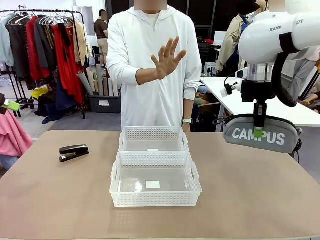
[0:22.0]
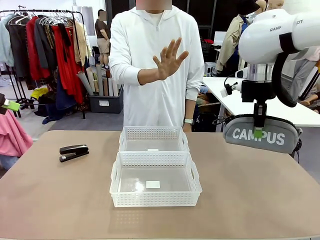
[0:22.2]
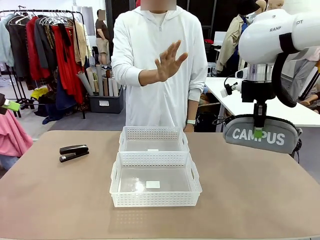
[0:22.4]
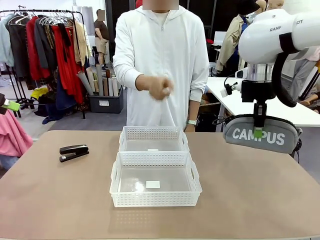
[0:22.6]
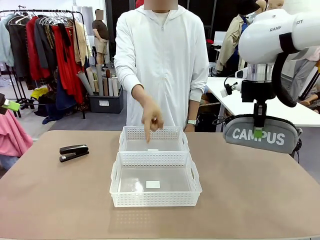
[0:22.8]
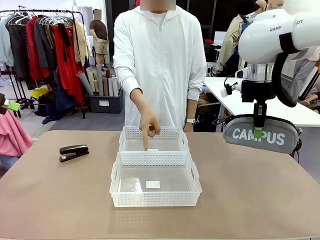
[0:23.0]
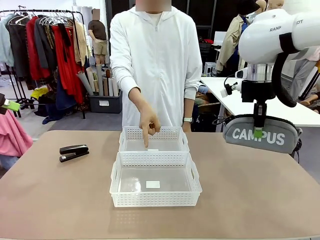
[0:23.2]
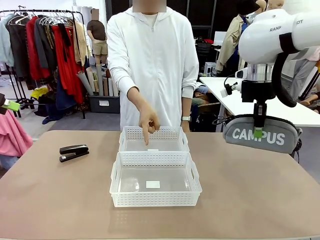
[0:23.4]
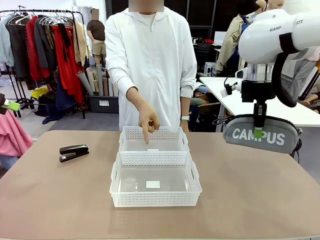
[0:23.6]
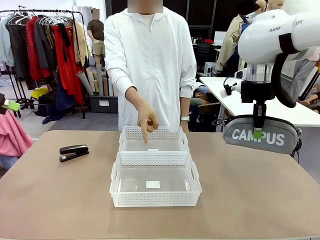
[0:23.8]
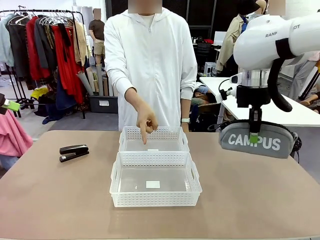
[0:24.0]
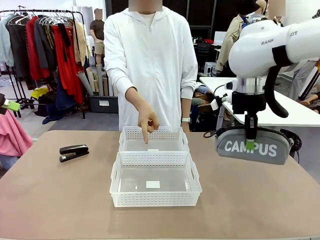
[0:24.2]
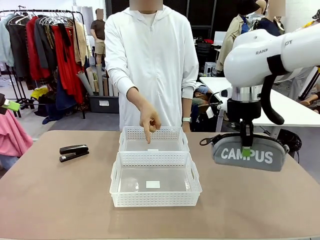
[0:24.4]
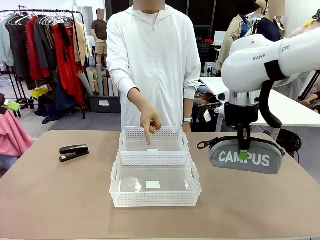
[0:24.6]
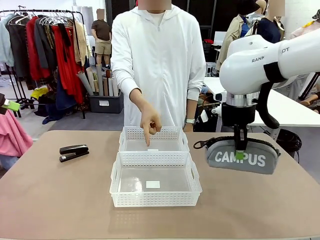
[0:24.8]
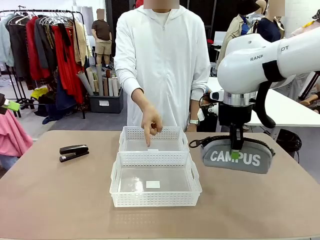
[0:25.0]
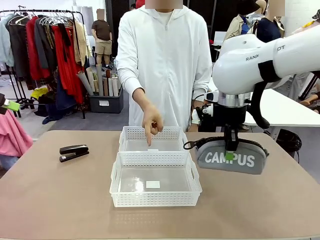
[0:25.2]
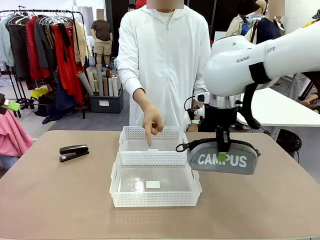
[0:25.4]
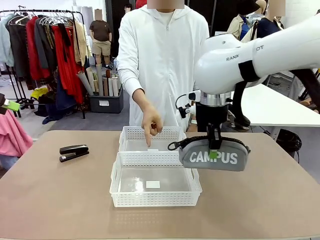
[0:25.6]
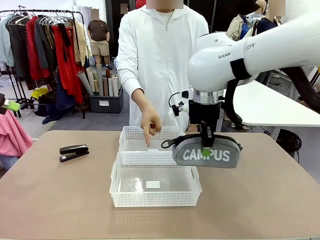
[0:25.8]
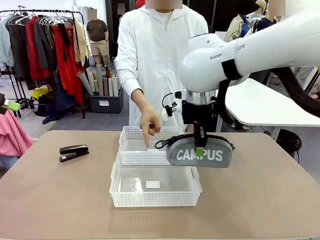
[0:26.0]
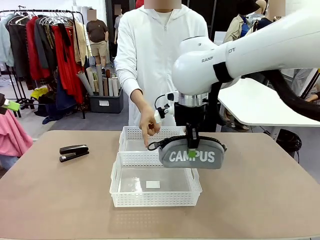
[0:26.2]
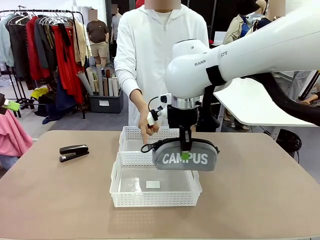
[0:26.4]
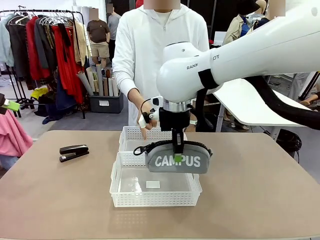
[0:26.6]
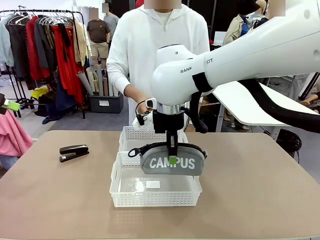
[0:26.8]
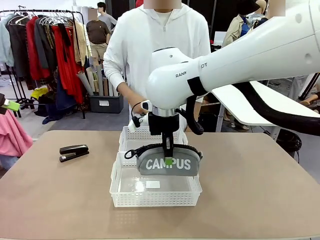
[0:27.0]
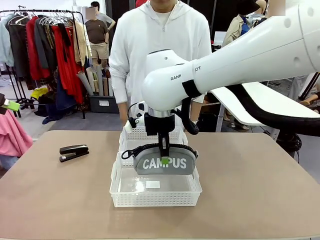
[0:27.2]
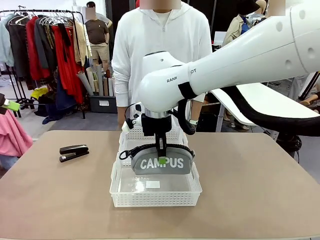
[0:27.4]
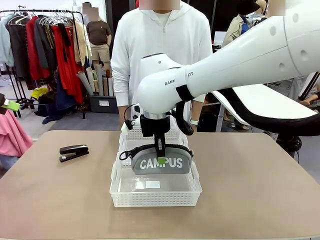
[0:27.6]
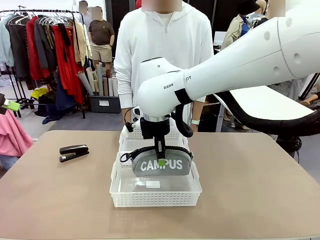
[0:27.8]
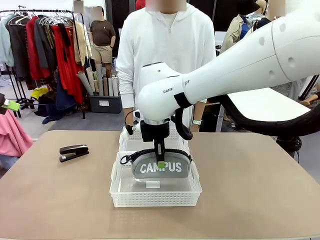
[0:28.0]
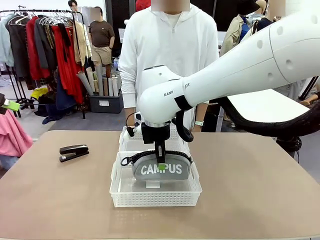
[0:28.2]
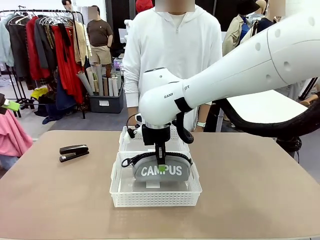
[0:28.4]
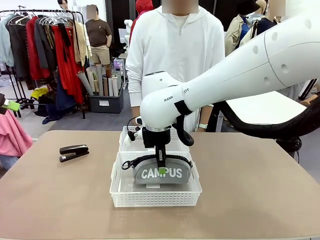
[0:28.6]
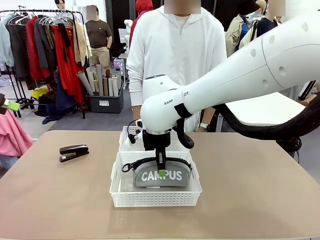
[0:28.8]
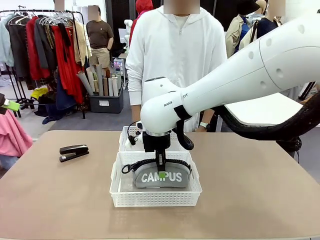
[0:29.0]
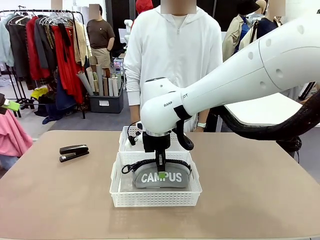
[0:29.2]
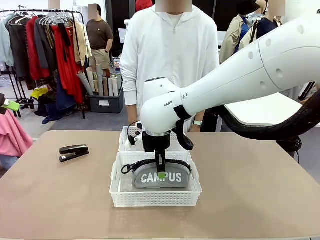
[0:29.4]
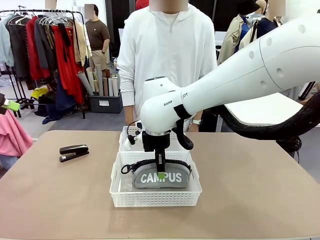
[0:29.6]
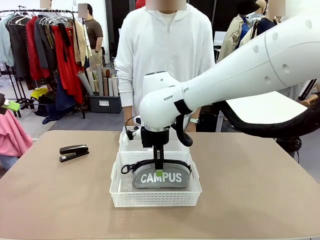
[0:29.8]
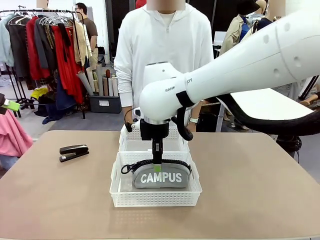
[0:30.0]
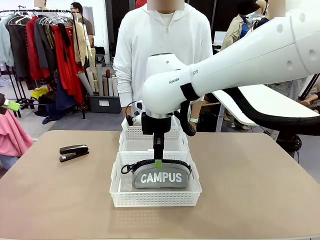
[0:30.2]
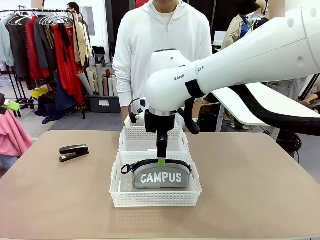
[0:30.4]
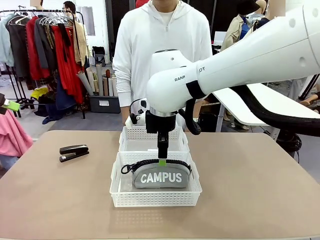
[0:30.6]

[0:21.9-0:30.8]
Task: Distribute items into two baskets.
Robot: Place the picked Pencil pouch into the Organizing basket as instructed by the person.
Person: Instructs the robot to place the pencil case into the opposite basket. Points to the stapler.

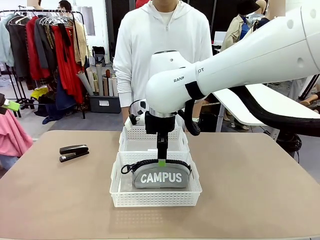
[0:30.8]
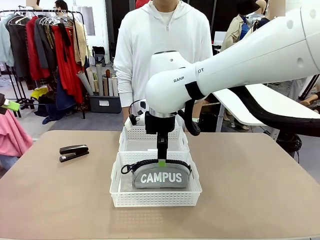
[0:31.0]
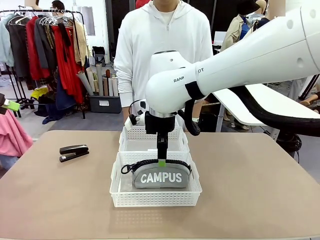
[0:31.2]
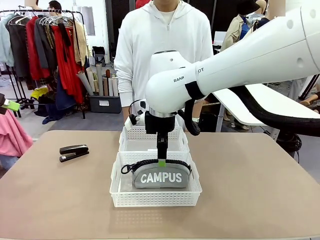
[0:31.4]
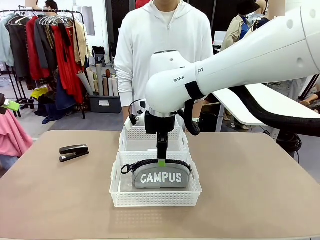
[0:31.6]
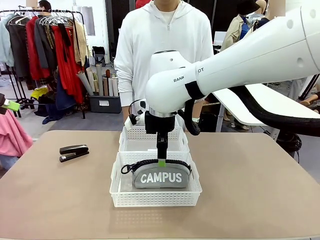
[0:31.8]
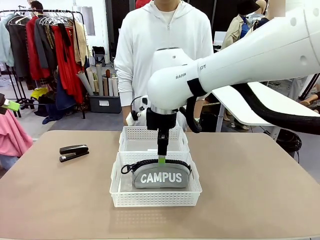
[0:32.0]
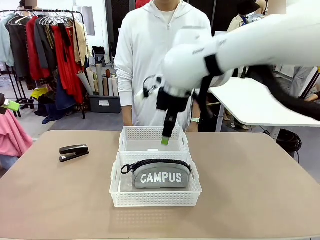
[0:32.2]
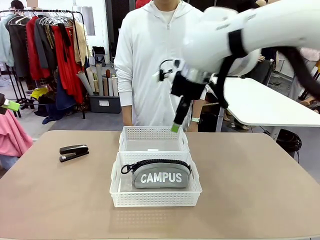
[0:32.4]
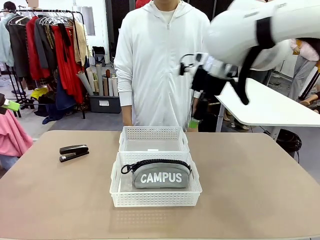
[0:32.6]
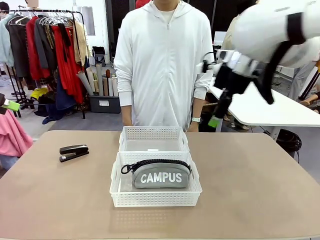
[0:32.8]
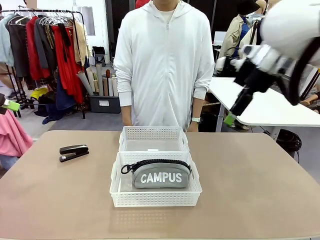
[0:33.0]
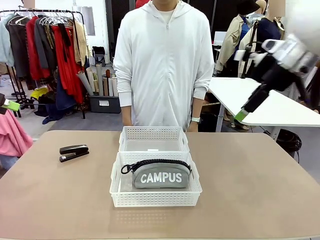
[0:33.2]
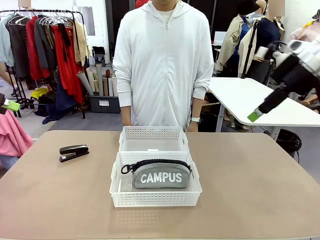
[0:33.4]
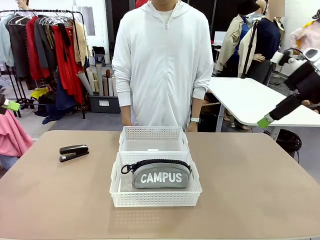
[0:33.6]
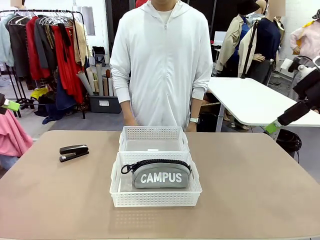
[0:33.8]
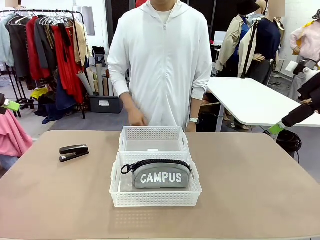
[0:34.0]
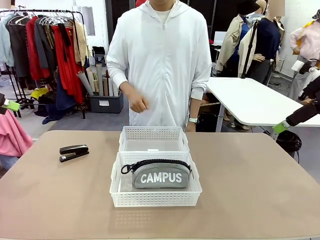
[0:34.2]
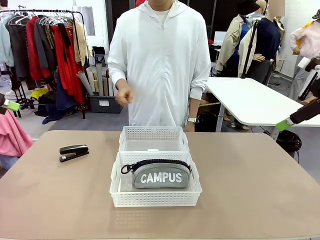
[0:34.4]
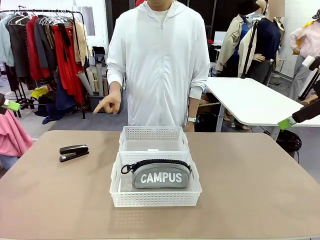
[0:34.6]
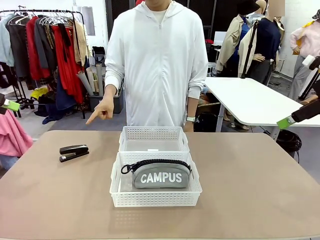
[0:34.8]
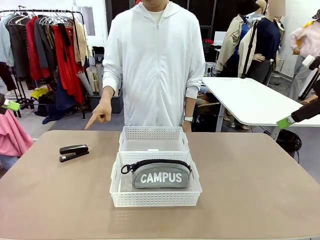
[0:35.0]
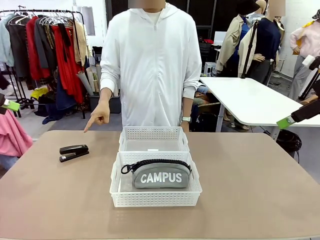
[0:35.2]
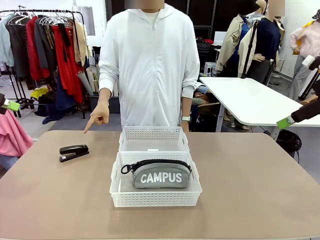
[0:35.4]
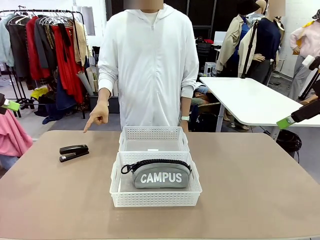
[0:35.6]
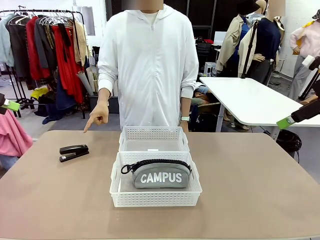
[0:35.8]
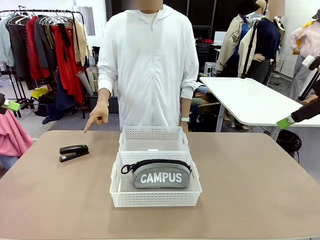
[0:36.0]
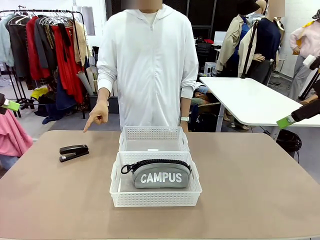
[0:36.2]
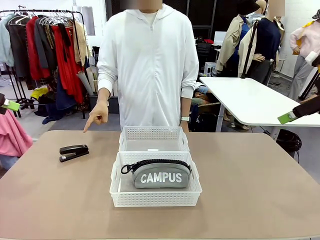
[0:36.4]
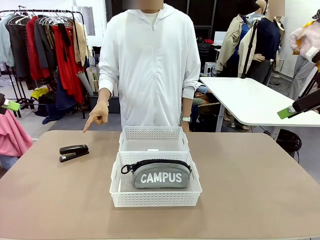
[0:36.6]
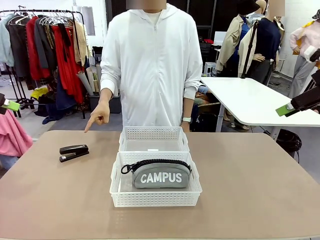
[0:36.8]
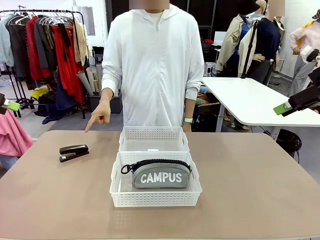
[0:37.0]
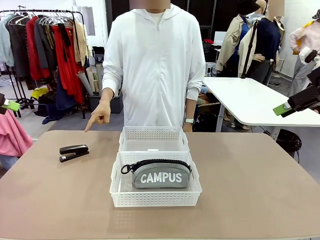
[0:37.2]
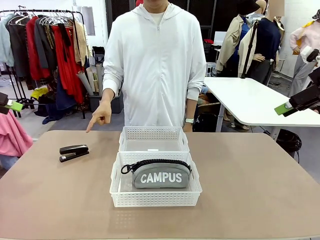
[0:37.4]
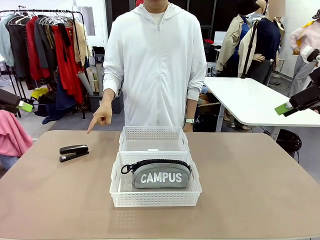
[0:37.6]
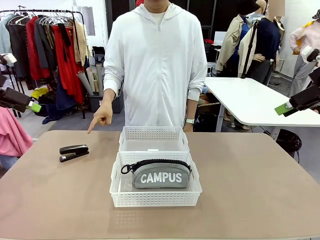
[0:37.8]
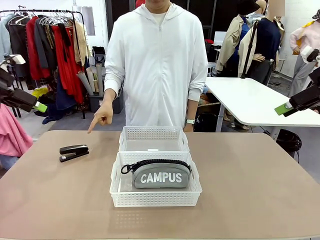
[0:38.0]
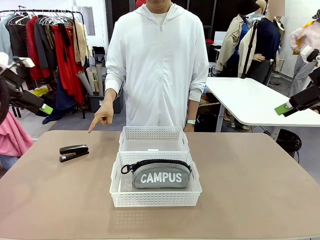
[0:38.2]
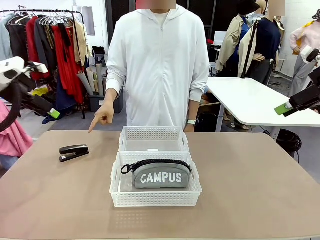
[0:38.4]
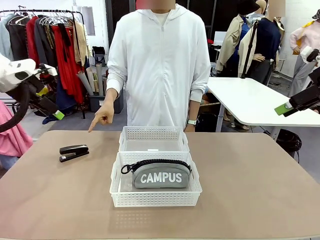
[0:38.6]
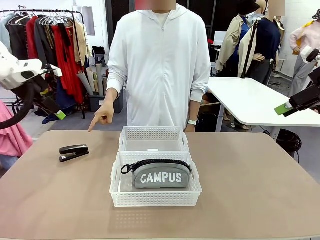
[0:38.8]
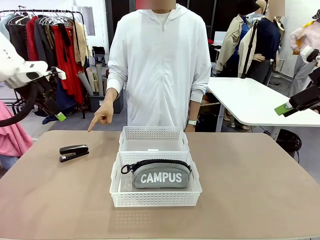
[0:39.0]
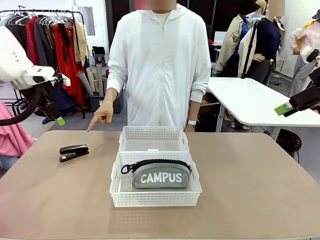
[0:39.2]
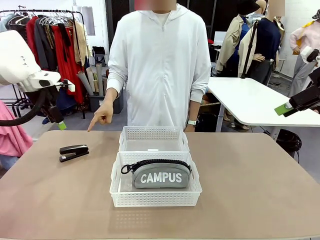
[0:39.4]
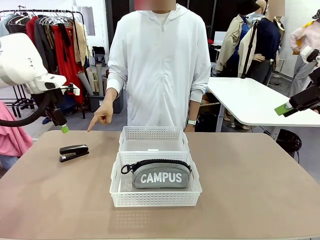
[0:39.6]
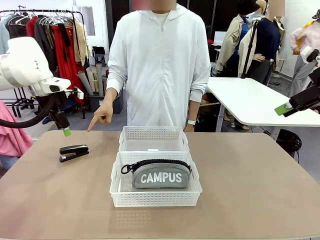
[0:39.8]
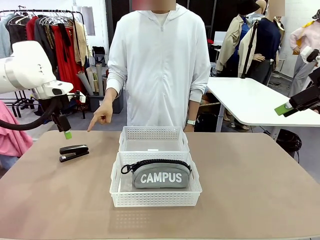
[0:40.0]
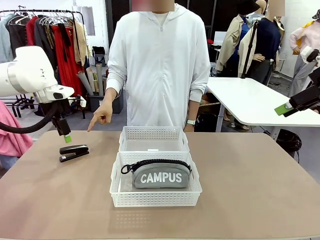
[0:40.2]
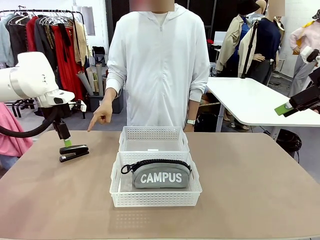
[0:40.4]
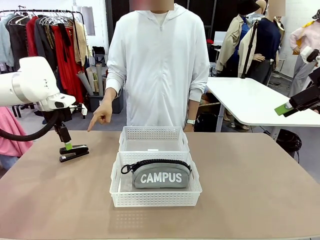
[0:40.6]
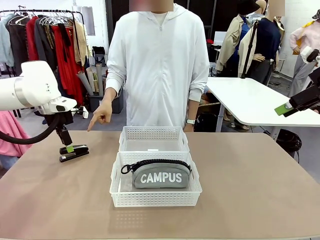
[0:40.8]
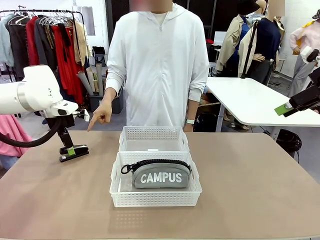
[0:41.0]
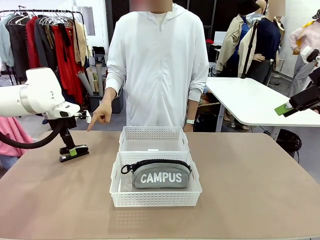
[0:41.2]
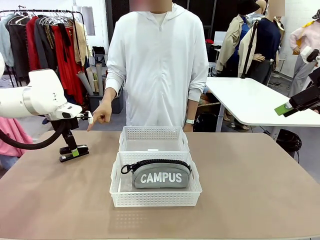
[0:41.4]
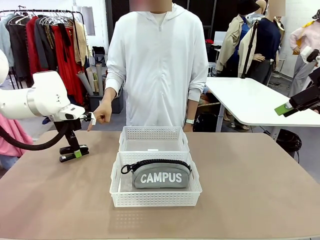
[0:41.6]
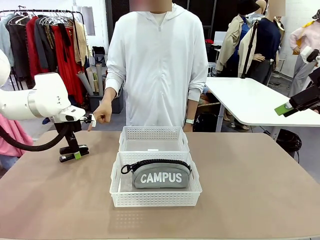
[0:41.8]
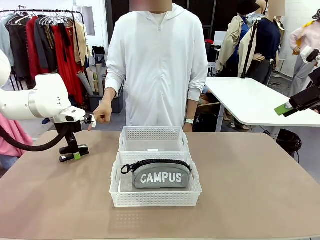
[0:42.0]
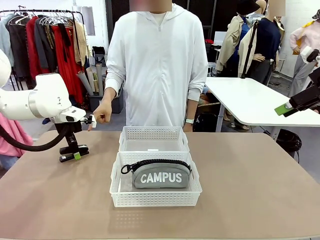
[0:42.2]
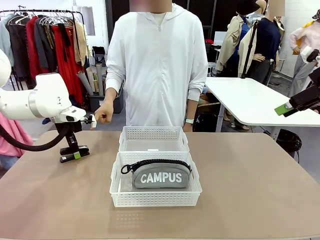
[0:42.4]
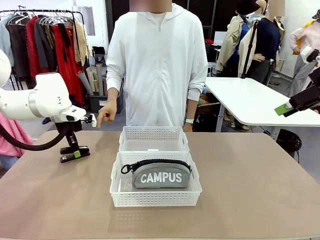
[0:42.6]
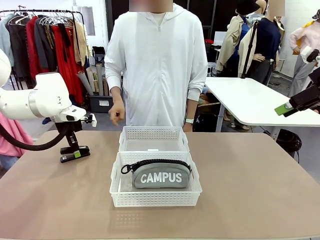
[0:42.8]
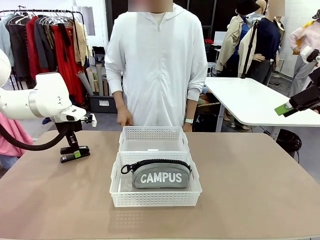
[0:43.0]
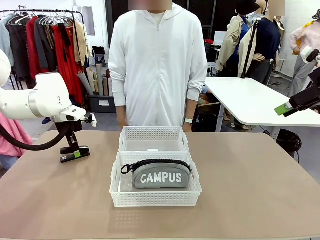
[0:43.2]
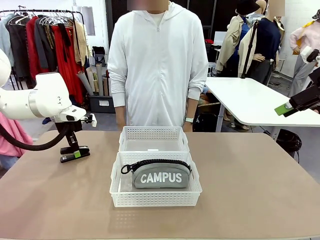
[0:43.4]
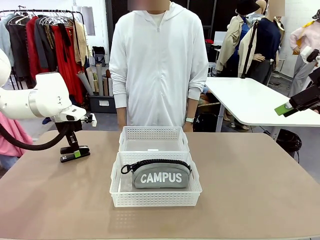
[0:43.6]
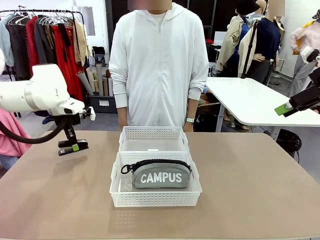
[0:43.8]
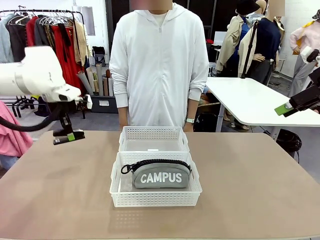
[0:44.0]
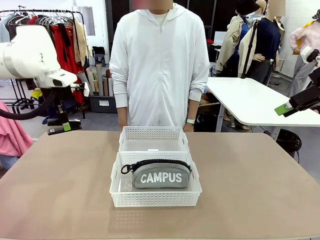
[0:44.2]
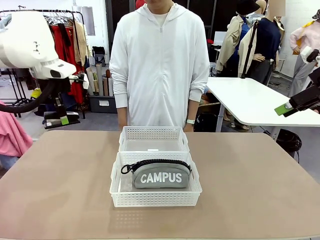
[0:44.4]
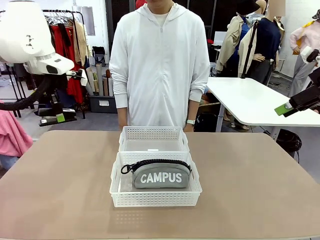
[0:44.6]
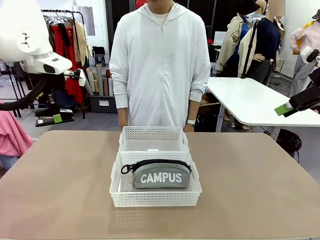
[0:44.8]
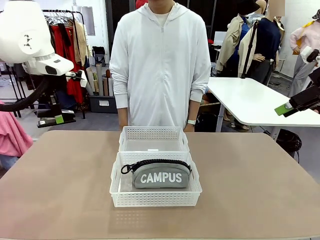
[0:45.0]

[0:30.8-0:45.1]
Robot: Pick up the Stapler that the person points to.
